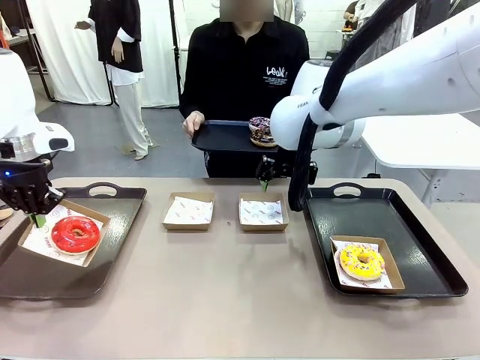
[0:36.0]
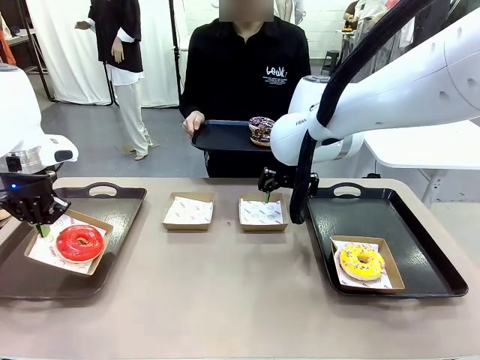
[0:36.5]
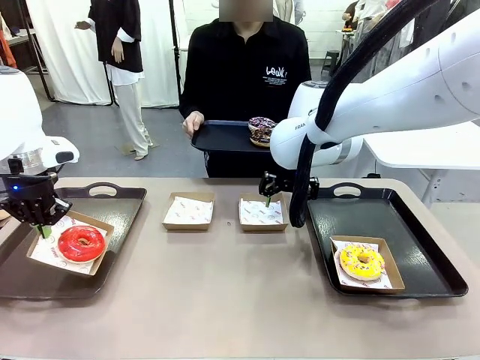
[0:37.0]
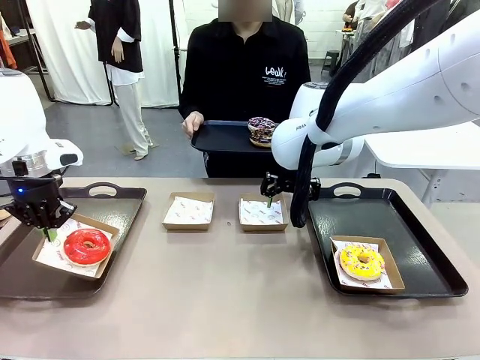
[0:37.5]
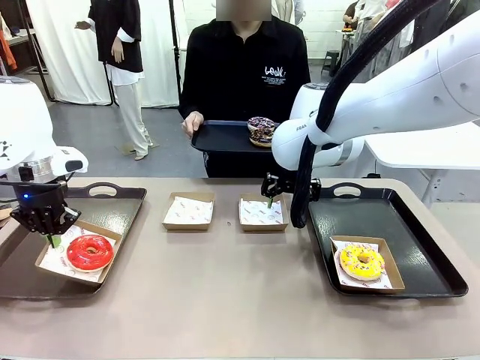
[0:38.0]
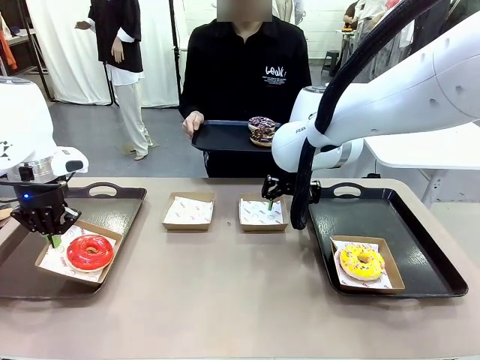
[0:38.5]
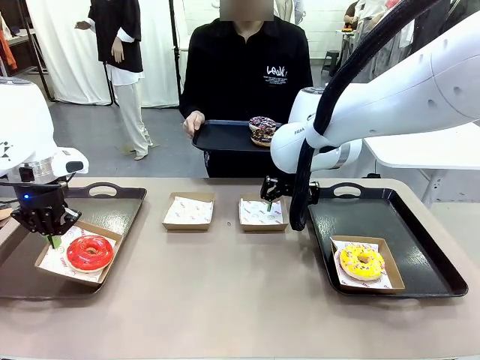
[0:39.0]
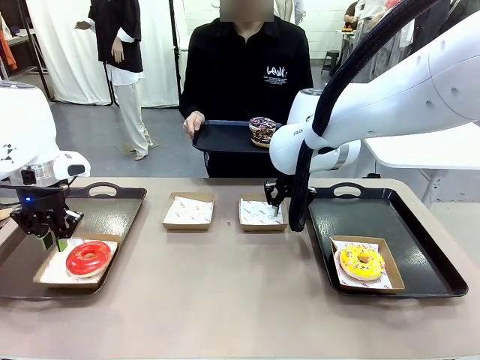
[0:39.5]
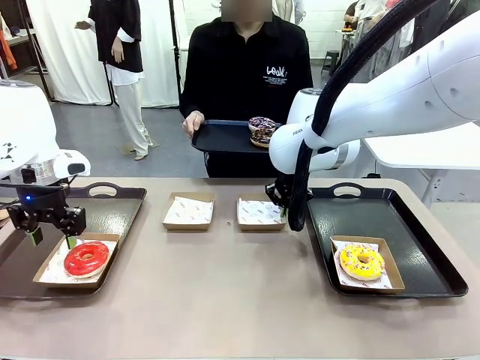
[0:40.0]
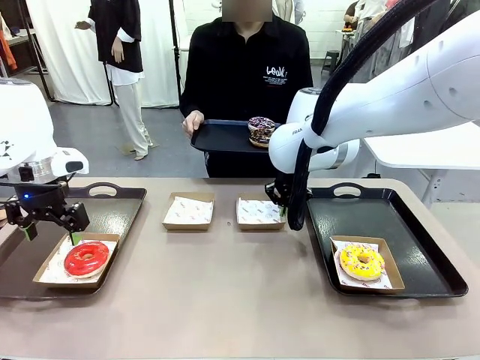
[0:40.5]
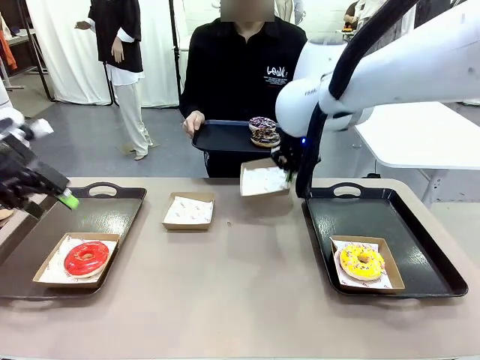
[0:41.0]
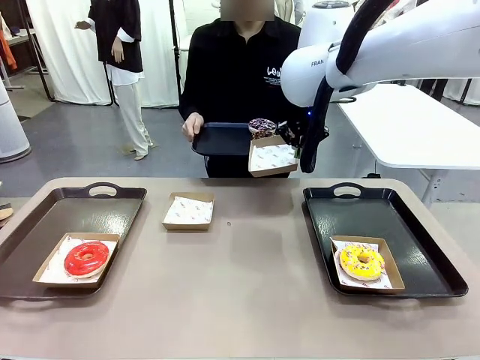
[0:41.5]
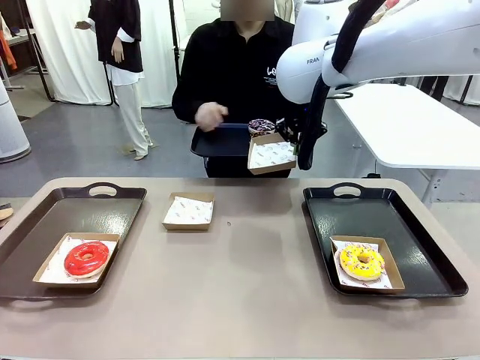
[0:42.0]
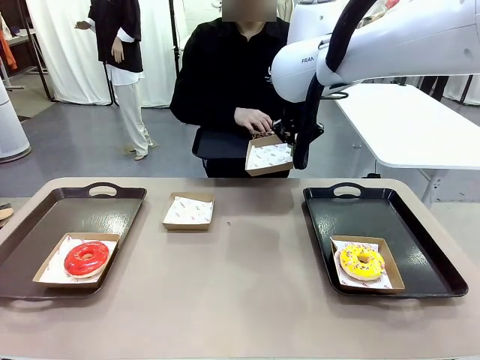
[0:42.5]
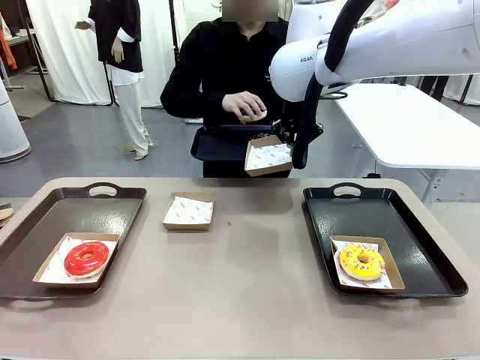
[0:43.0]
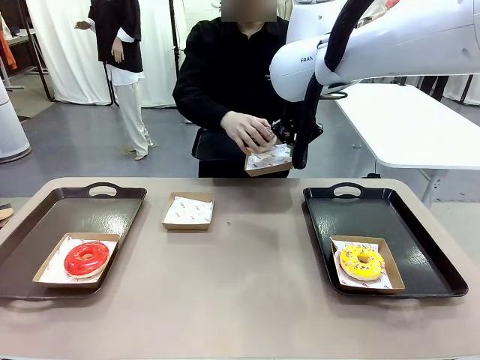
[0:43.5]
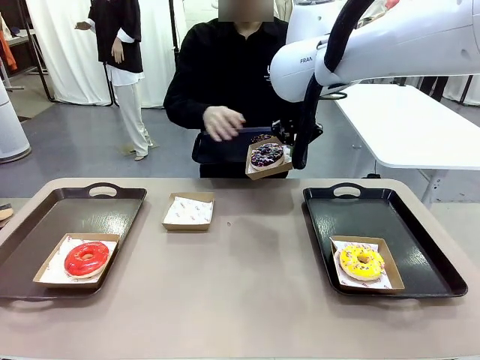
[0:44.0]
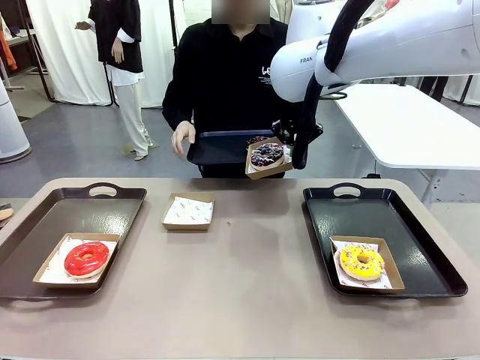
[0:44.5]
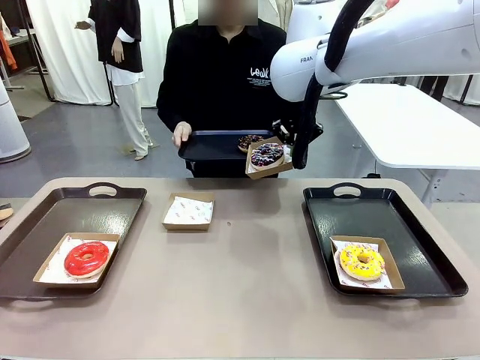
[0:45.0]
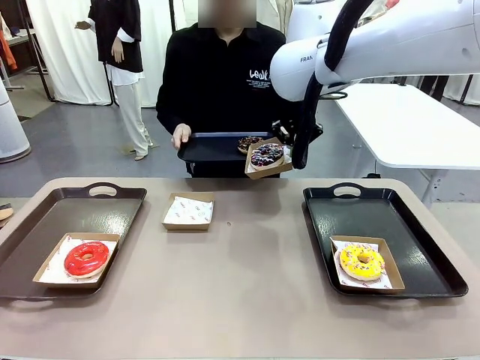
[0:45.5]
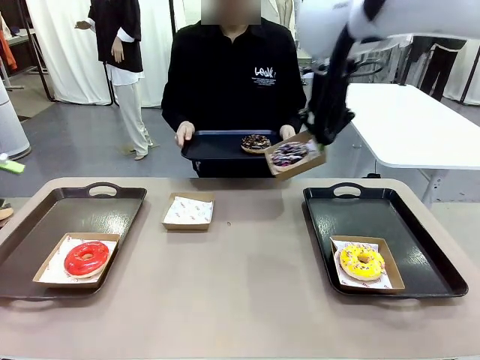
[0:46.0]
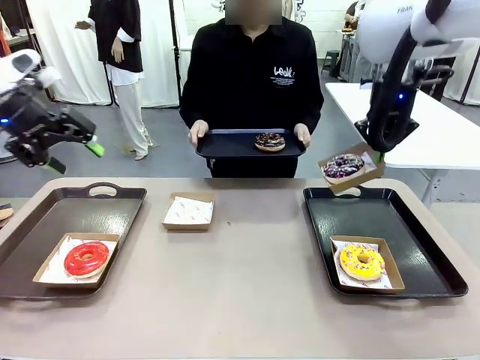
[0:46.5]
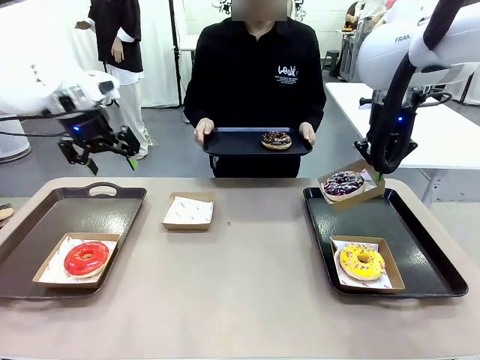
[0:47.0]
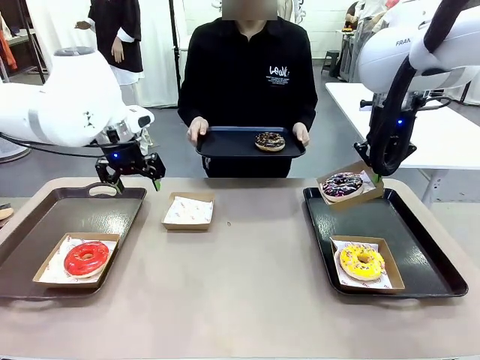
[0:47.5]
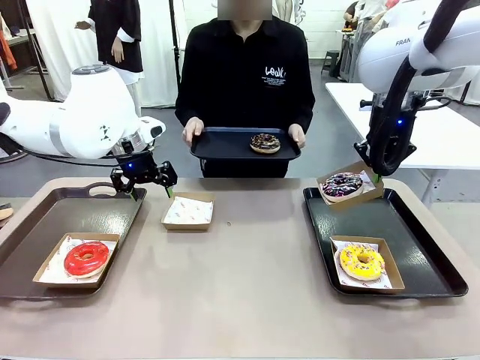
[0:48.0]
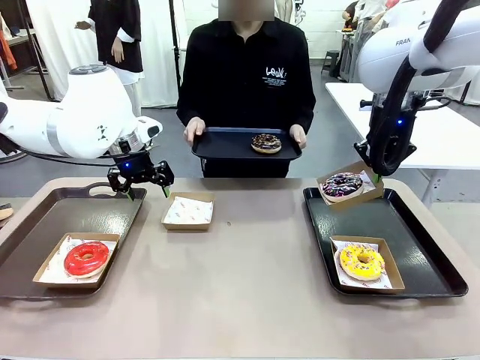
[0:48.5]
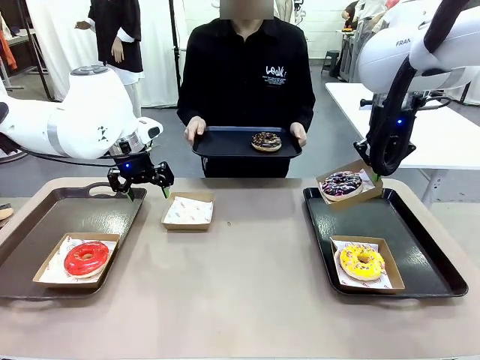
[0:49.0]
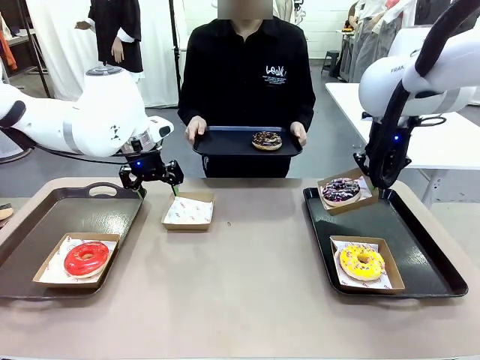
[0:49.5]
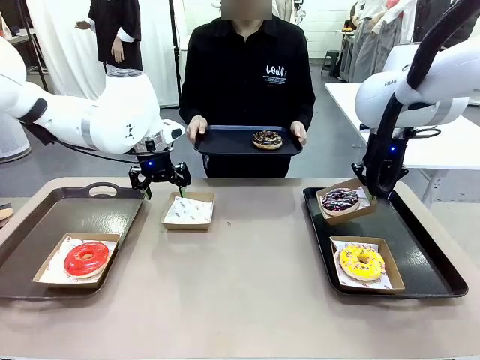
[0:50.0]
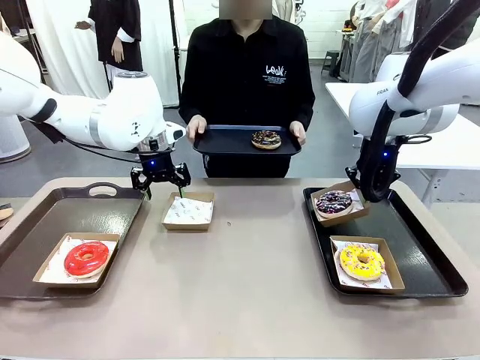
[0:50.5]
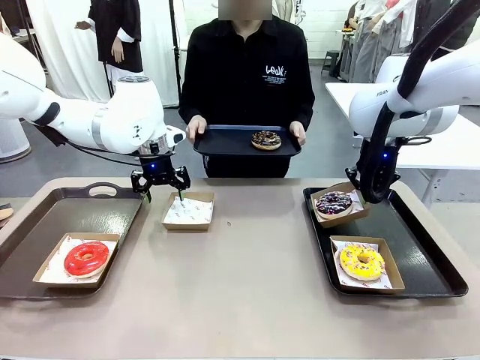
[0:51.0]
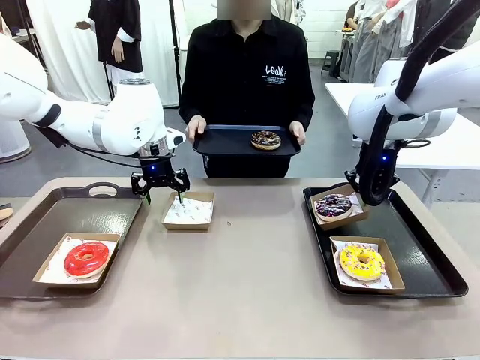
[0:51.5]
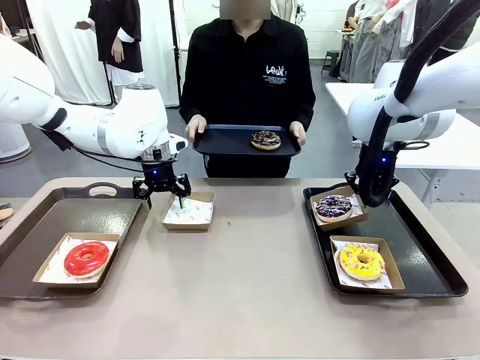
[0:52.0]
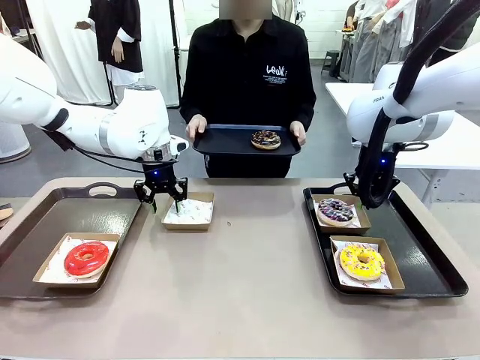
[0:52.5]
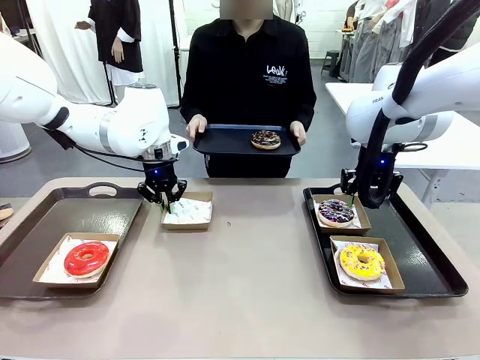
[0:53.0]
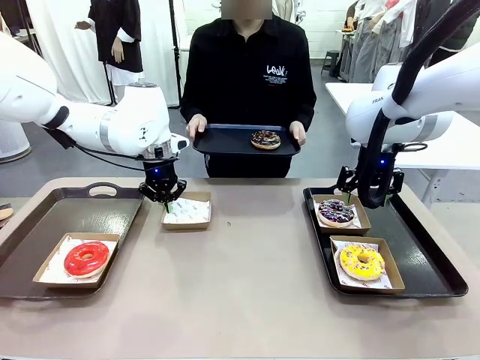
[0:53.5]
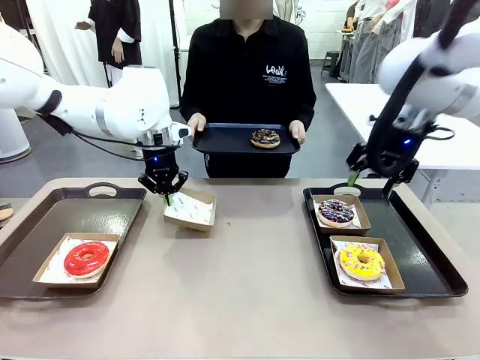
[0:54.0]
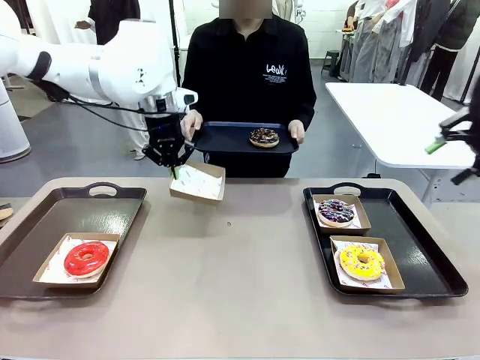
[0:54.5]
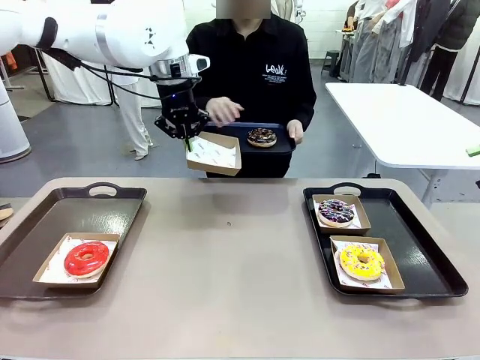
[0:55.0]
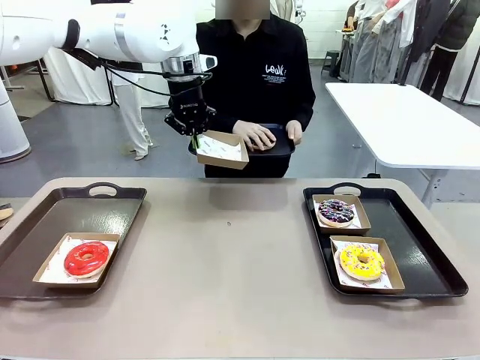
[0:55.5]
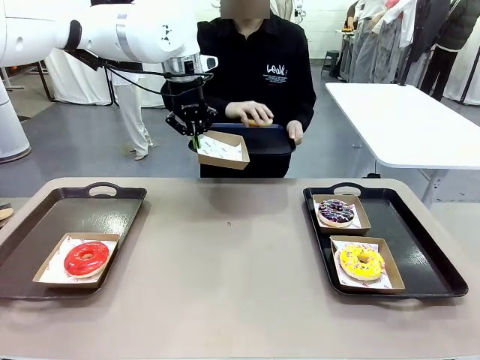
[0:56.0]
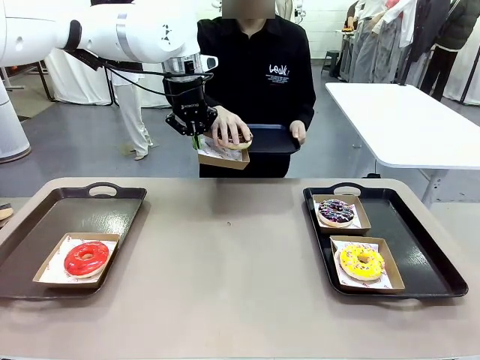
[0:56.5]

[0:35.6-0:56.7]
Task: Individually package the donuts and arrange them on the tray.
Robot: Place the picked Paper togo box on the Handle tray while simultaneously picking up another Paper togo box from the table with the other hand.

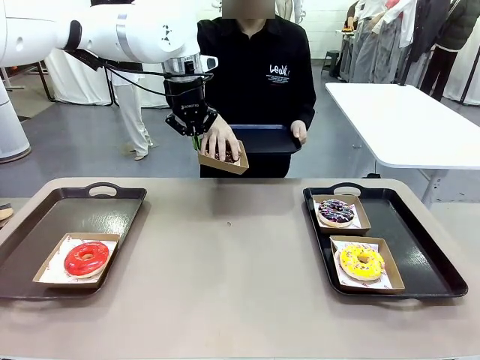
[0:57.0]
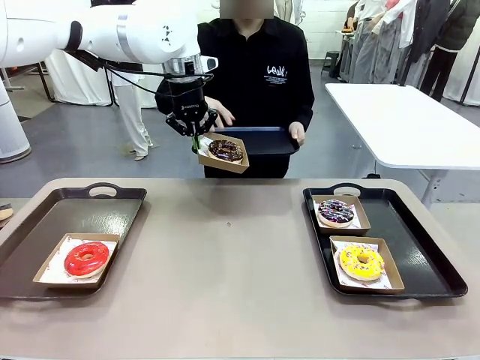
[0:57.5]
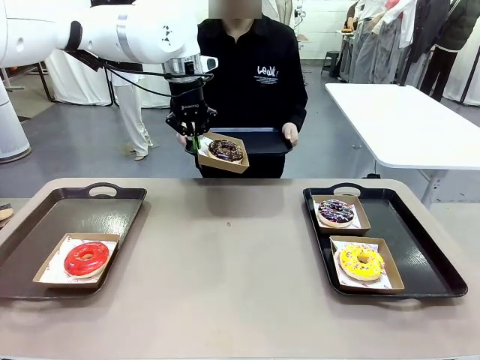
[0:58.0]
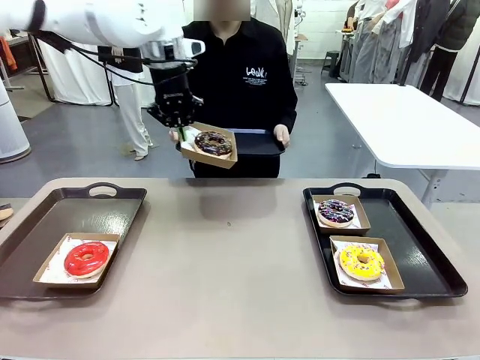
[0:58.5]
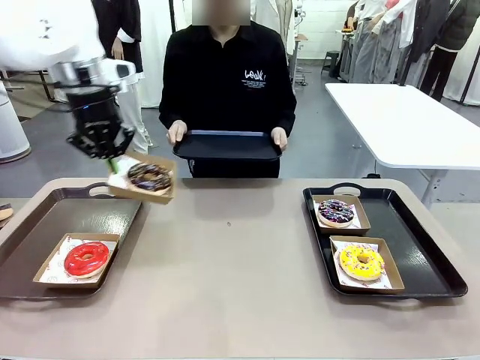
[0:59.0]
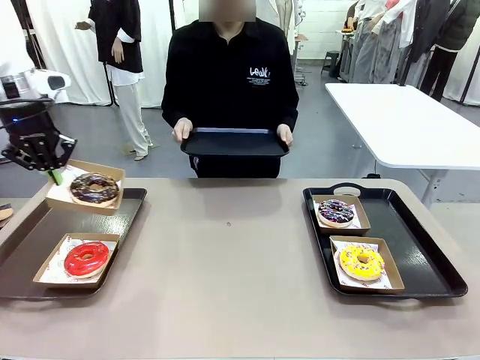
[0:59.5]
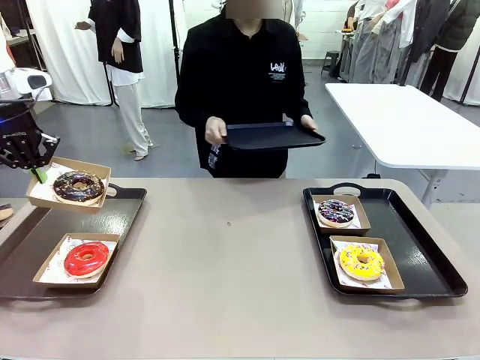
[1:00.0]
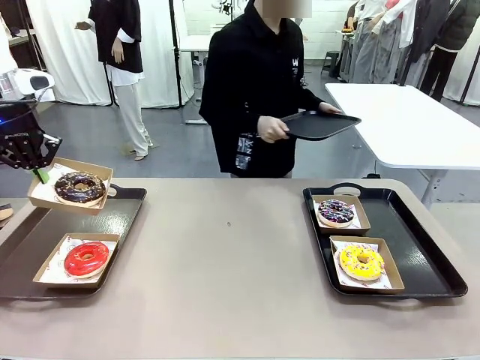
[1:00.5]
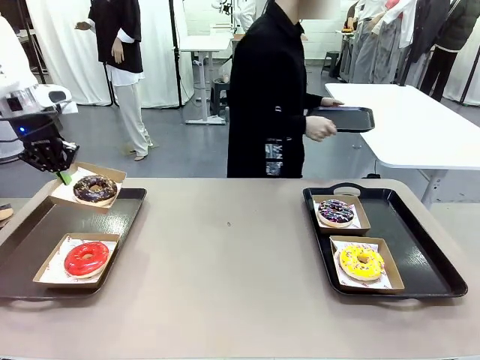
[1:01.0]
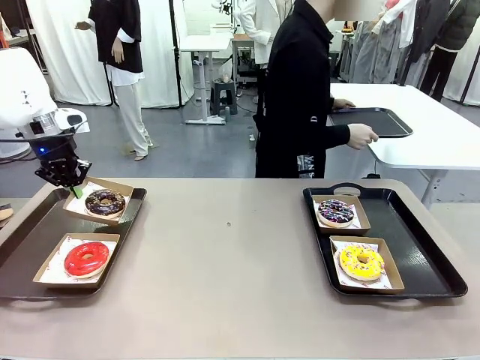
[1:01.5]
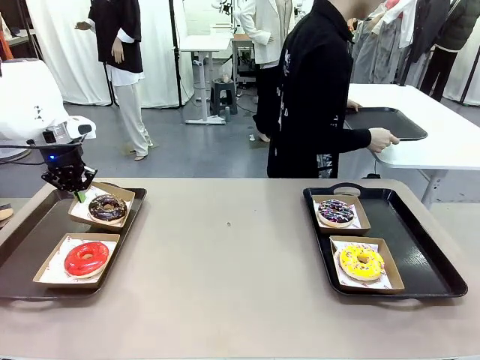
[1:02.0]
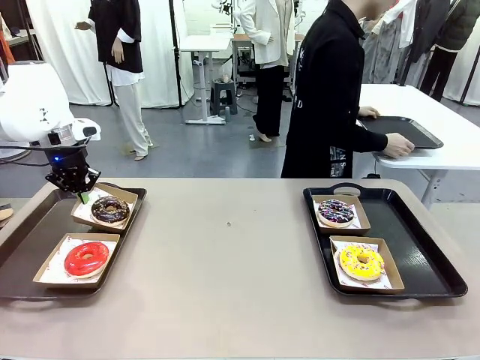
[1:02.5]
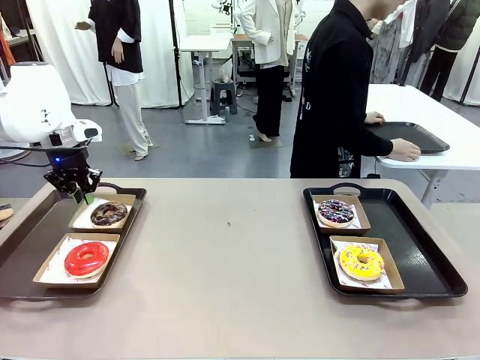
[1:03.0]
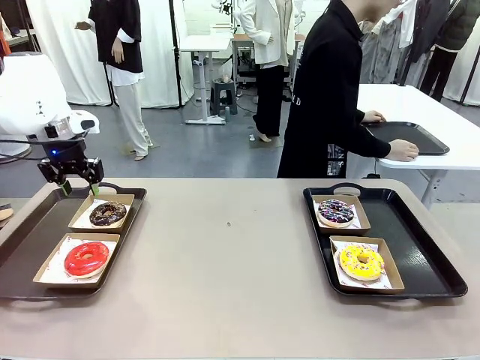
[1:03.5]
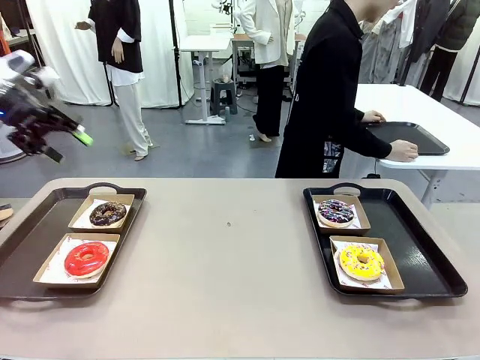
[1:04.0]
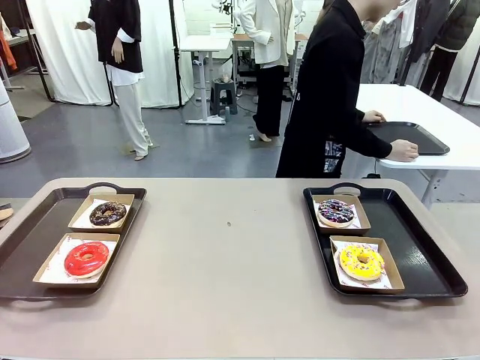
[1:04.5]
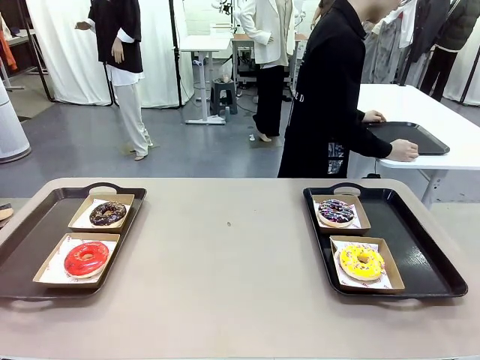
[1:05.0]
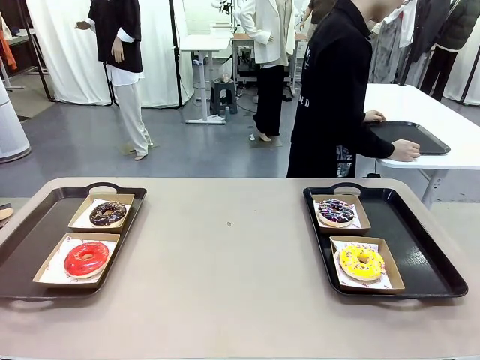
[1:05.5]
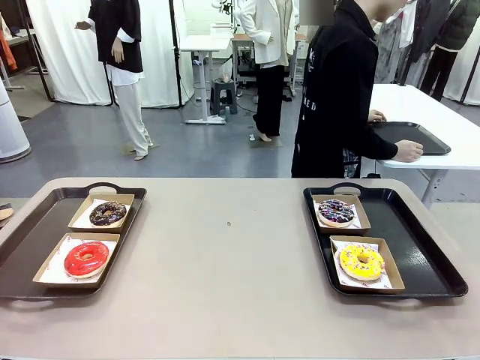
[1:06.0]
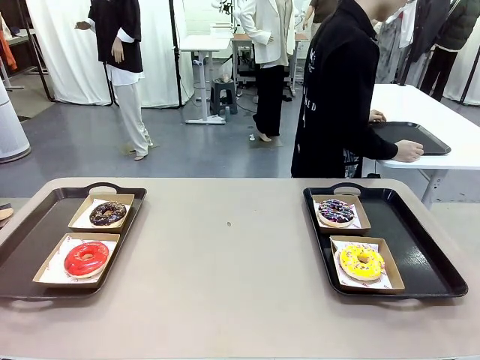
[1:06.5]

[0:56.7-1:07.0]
Robot: Place the picked Paper togo box on the Handle tray.
Person: Place the tray down in the middle of the human table.
